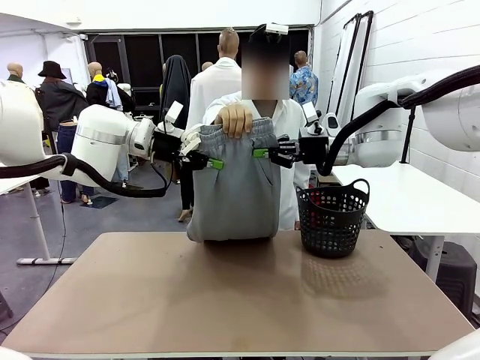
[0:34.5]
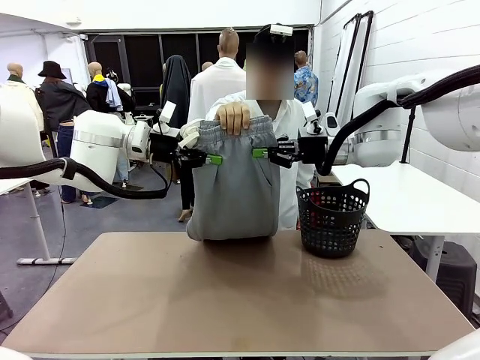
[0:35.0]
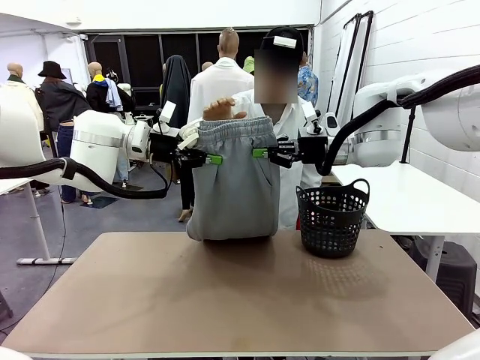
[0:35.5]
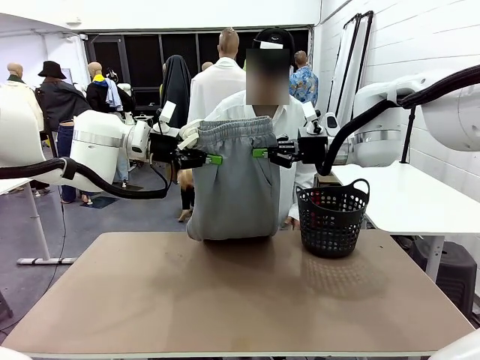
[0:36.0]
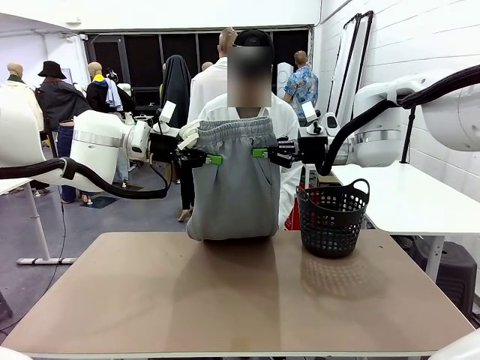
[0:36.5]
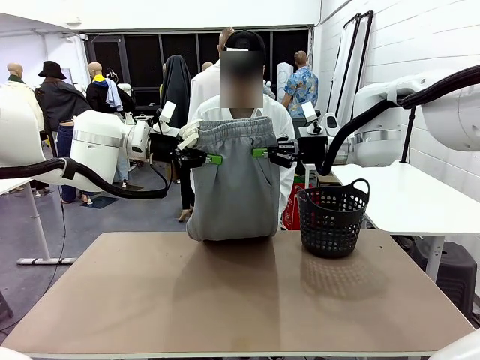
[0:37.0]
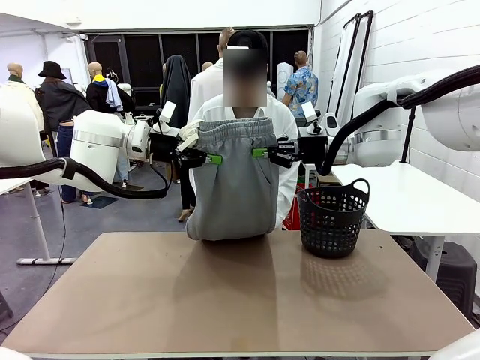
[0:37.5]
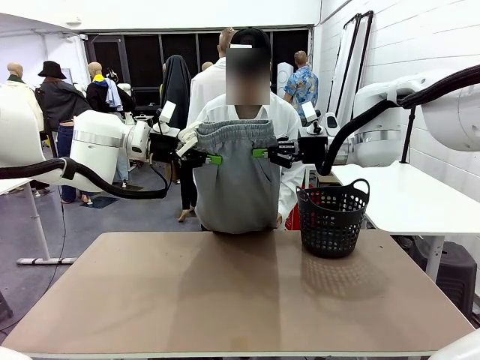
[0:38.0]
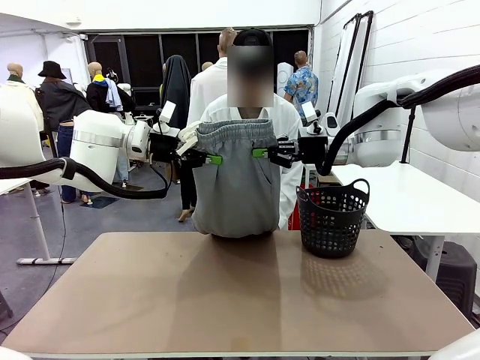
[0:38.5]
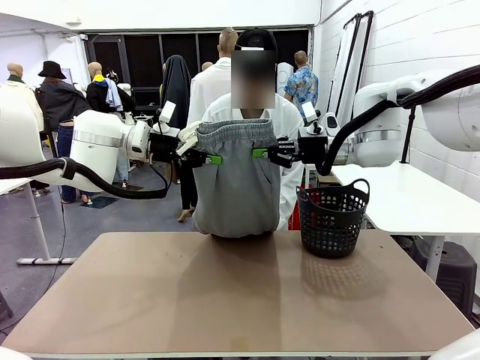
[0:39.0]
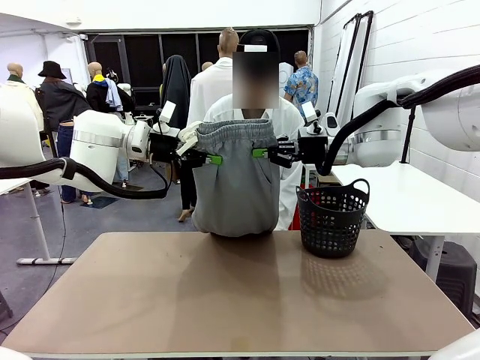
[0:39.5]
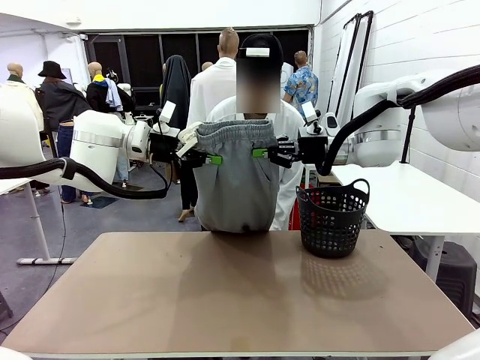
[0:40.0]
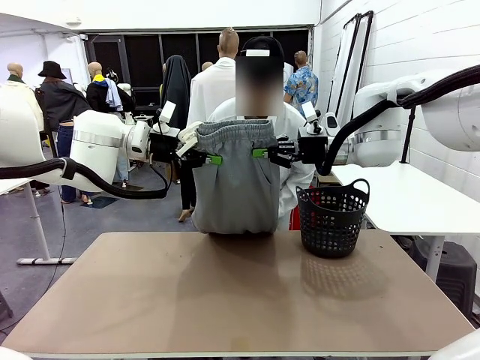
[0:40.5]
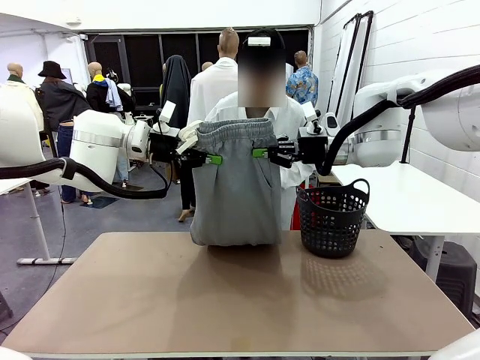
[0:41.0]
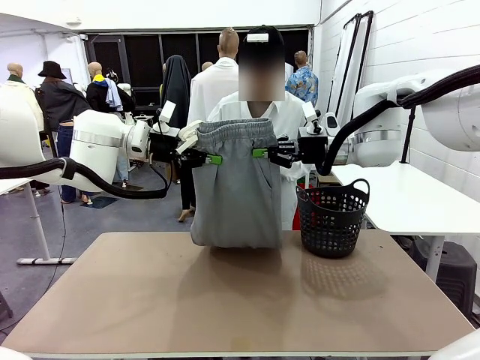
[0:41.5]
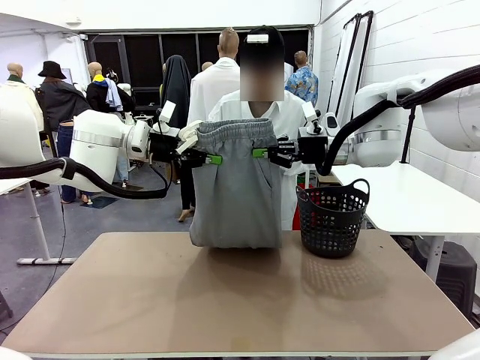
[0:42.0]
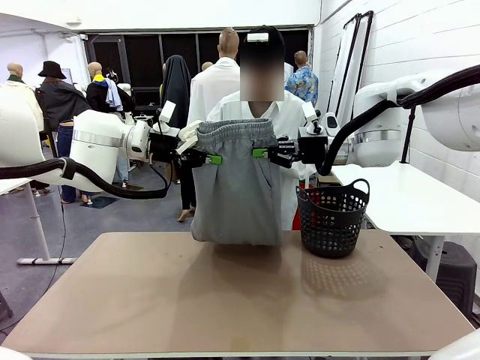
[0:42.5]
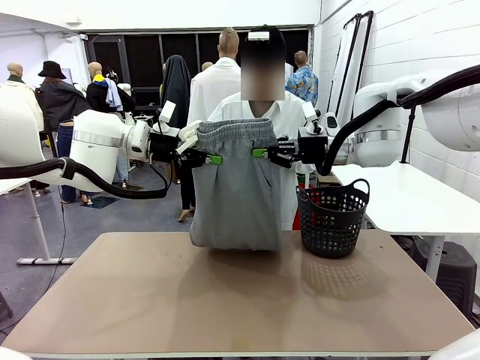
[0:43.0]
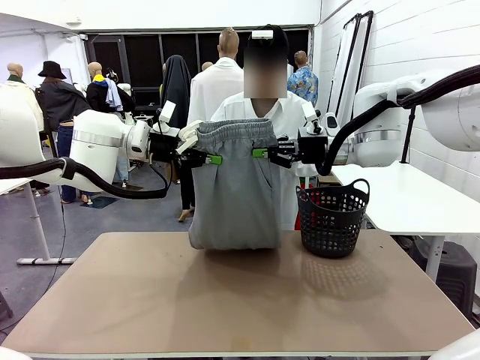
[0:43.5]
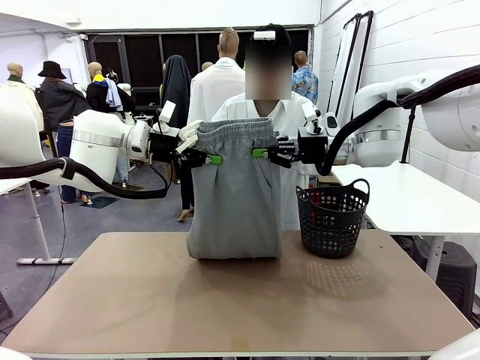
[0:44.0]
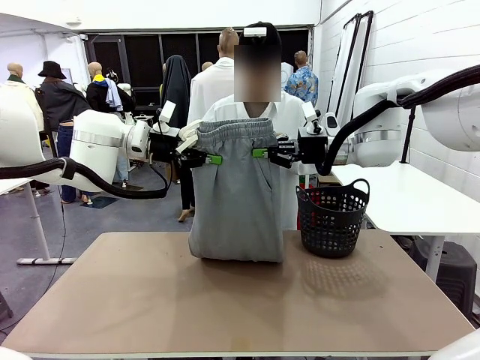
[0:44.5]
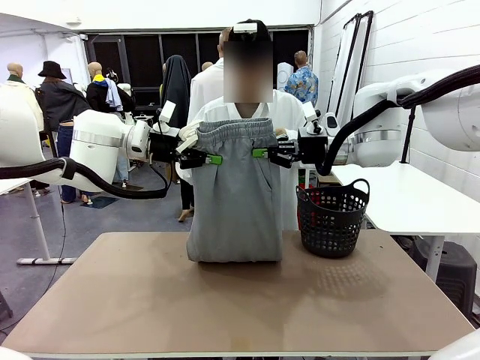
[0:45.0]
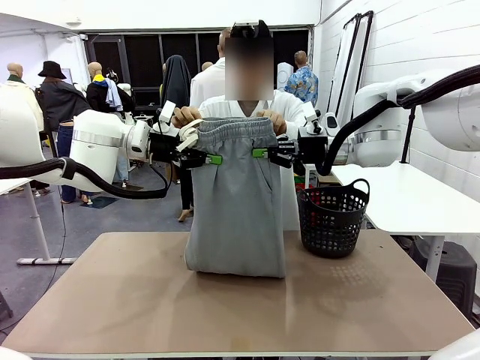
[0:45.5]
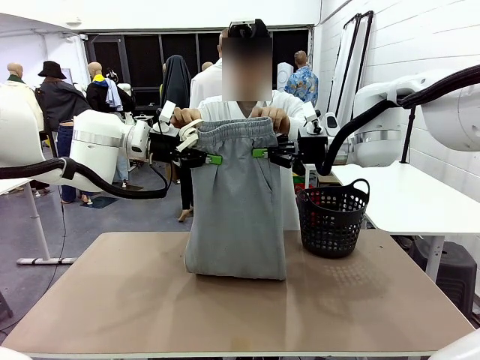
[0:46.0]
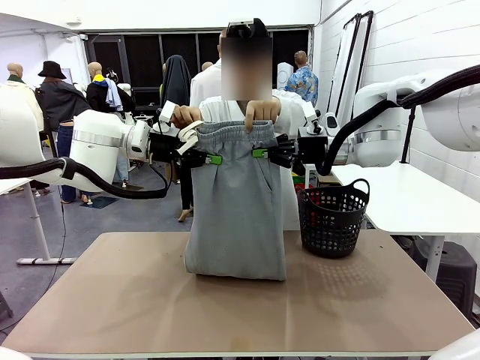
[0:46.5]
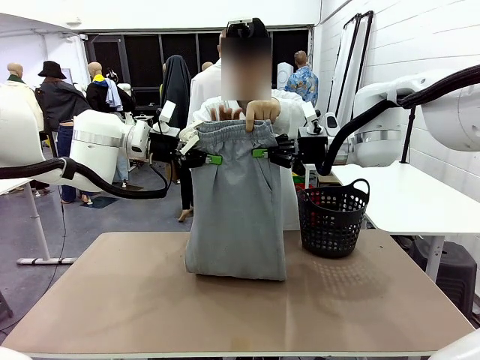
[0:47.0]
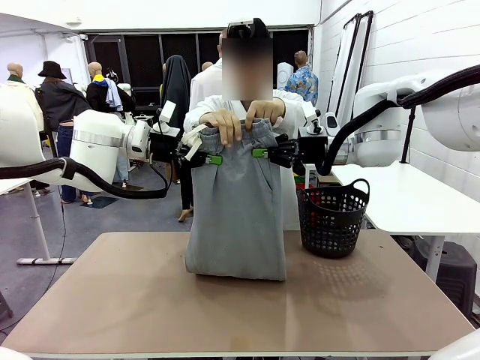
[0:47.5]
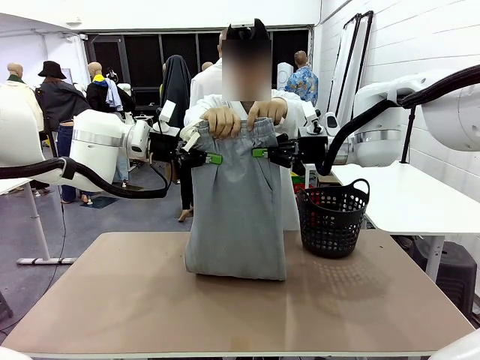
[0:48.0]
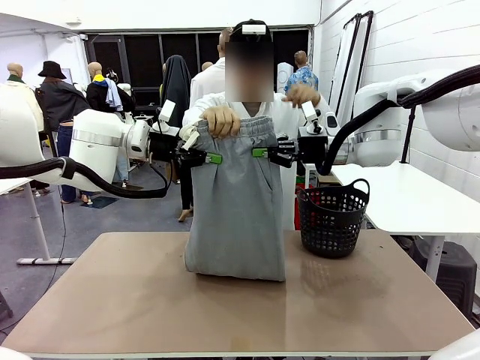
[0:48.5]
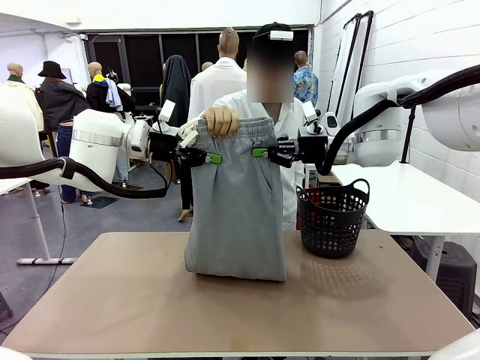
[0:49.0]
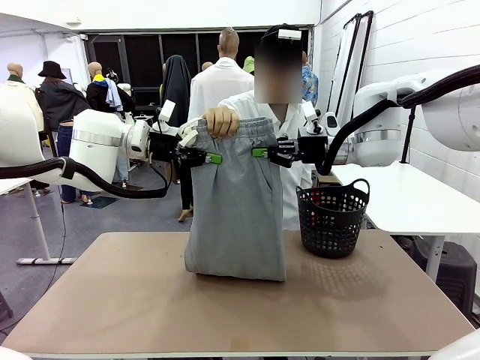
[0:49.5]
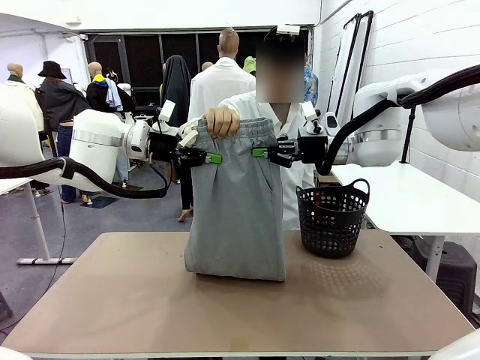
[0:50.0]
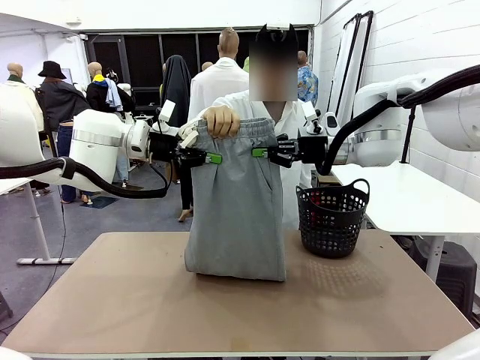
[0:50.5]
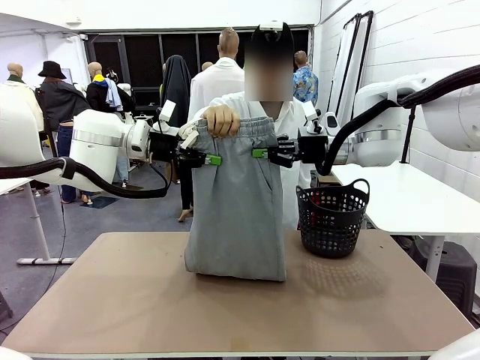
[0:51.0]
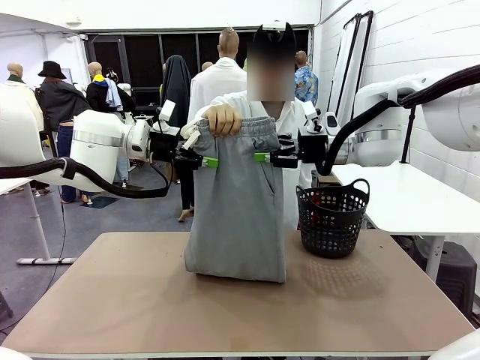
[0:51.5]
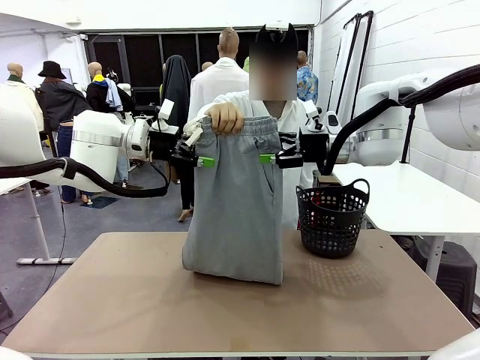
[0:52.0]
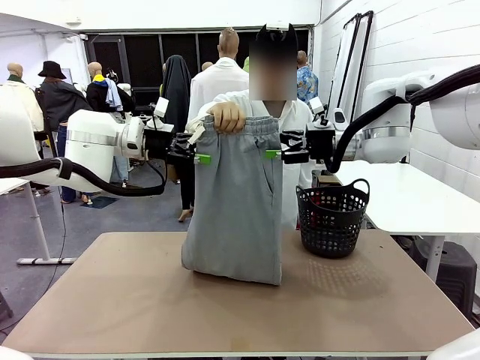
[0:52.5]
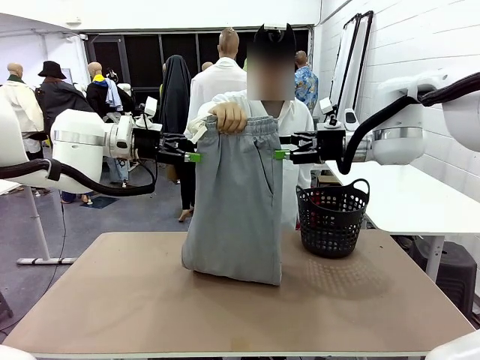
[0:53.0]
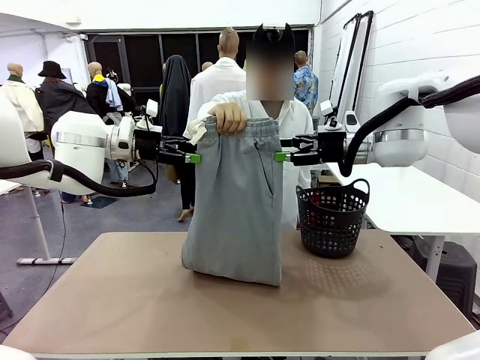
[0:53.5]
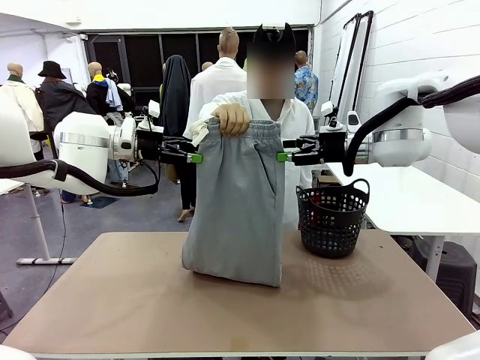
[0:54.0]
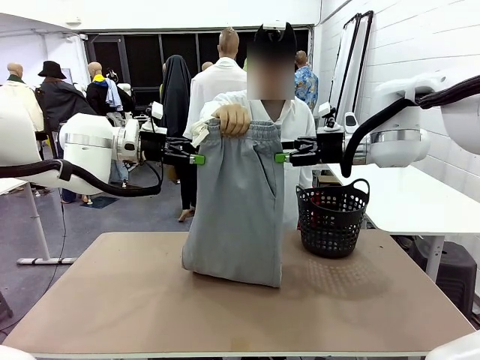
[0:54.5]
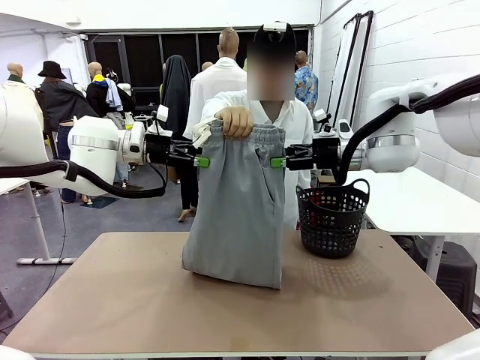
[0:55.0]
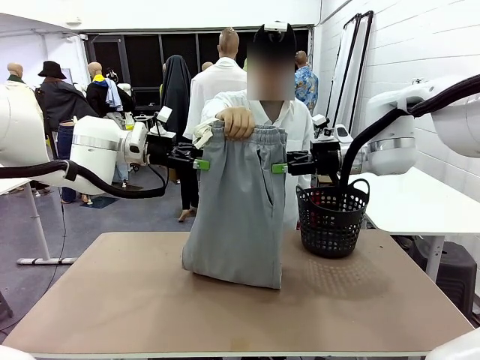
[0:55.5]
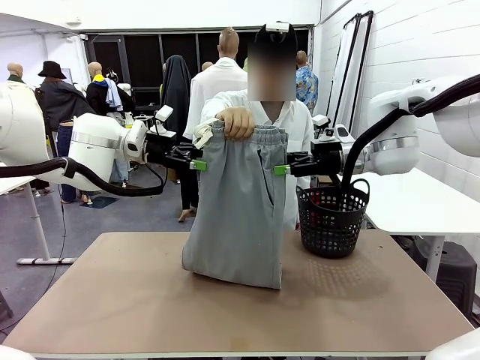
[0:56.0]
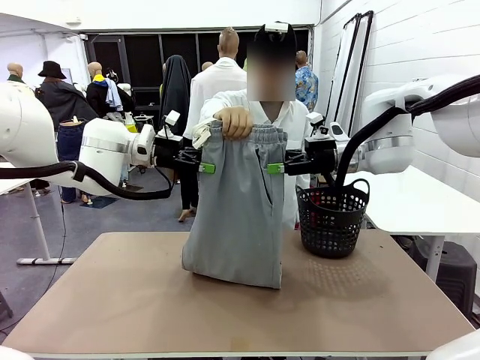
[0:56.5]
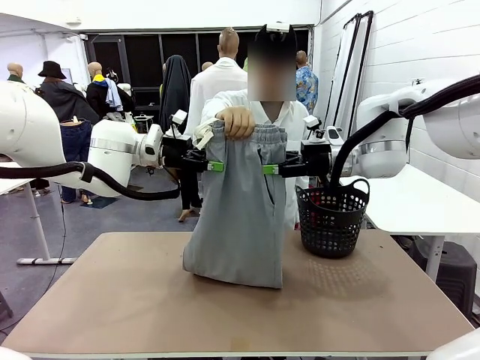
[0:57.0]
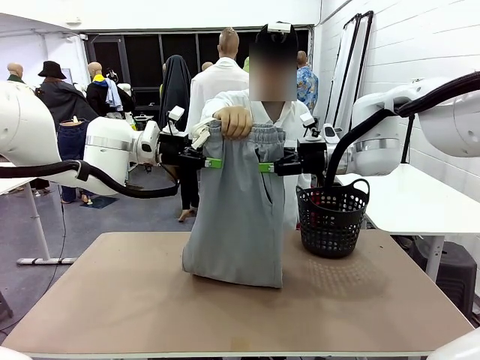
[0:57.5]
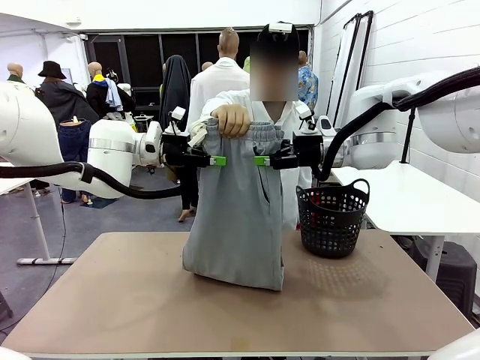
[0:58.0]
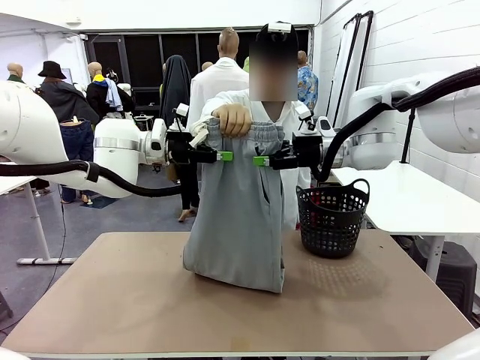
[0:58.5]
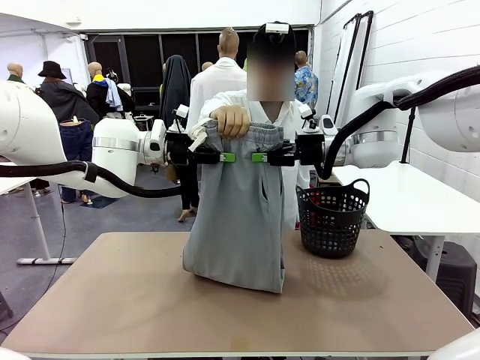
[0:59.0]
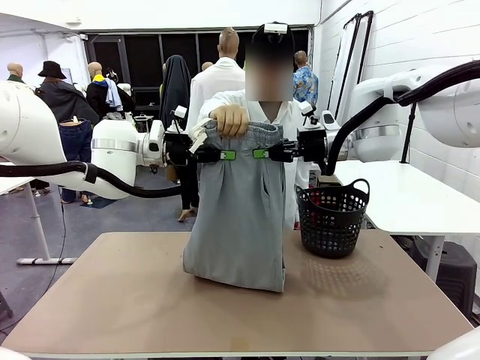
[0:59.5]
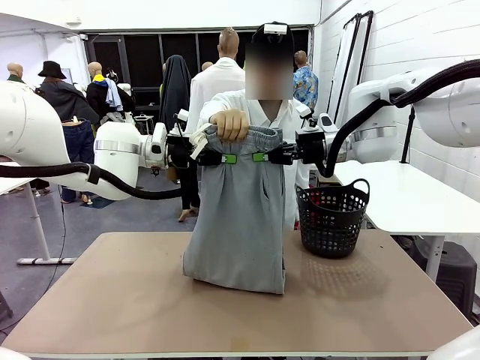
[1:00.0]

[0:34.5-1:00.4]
Task: Fold the training pants.
Robot: Release the ends of the Training pants and then grab the overlapped ends.
Person: Grasp the end opposite the point the robot is holding, fold the pants in half, and then grasp the overlapping top end of the folded pants. Release the pants you were holding.
